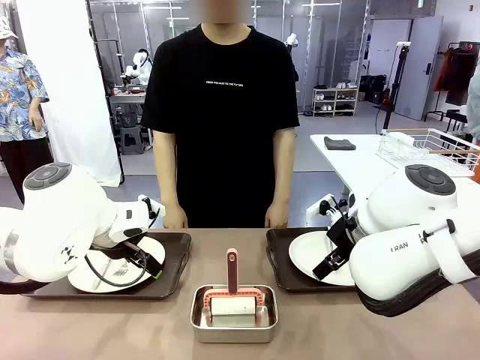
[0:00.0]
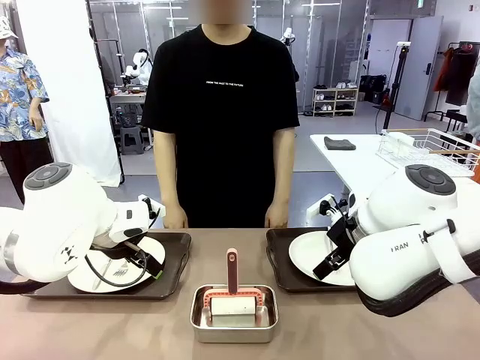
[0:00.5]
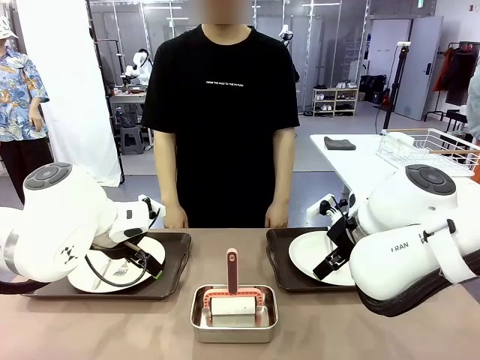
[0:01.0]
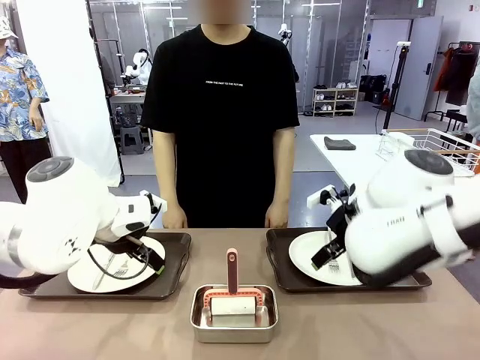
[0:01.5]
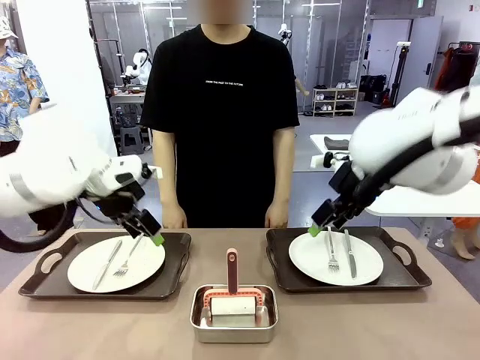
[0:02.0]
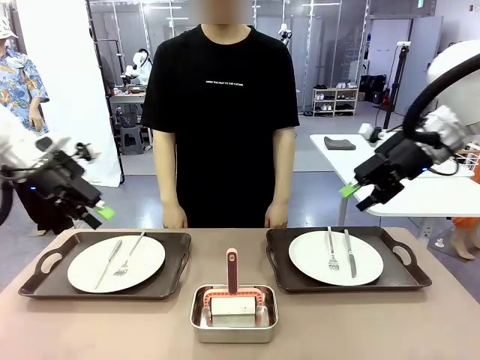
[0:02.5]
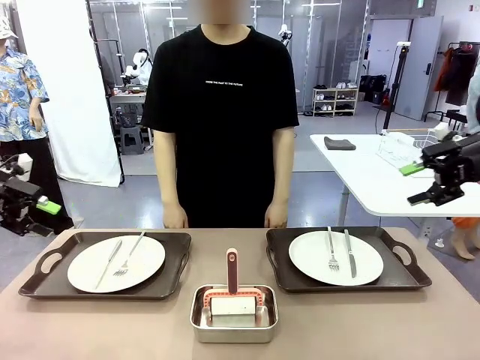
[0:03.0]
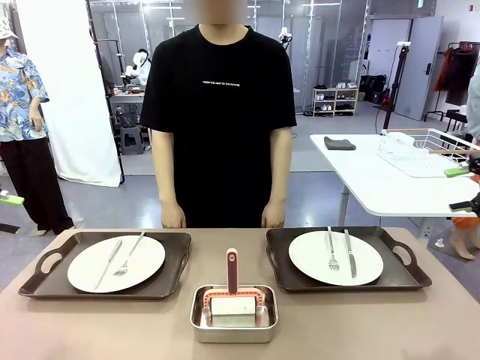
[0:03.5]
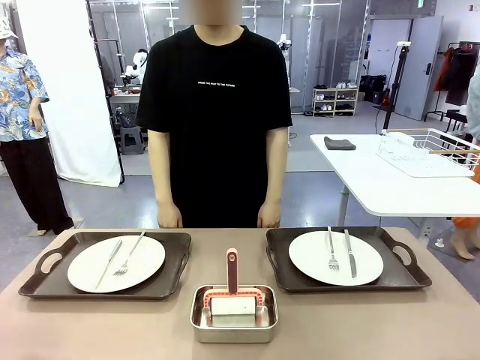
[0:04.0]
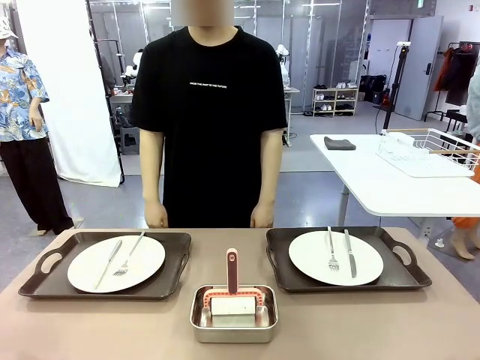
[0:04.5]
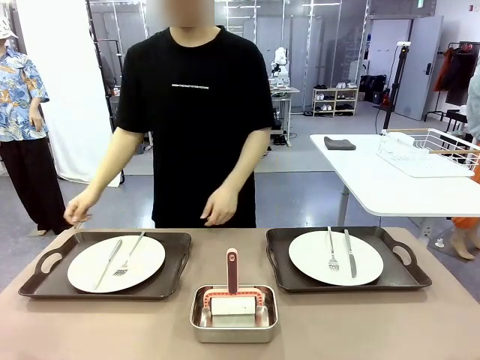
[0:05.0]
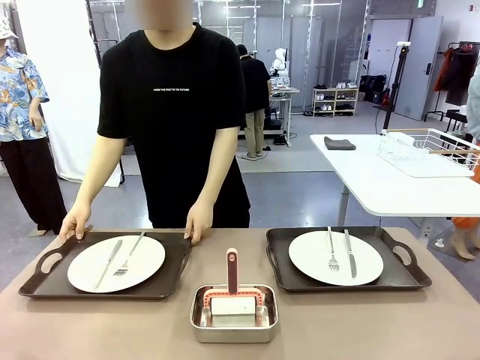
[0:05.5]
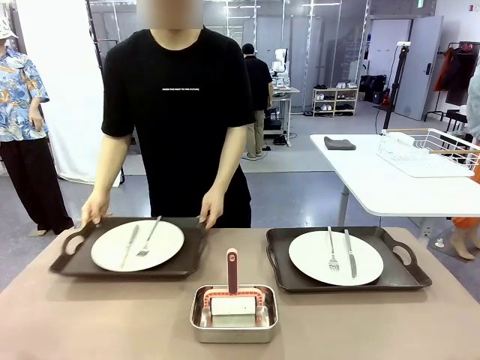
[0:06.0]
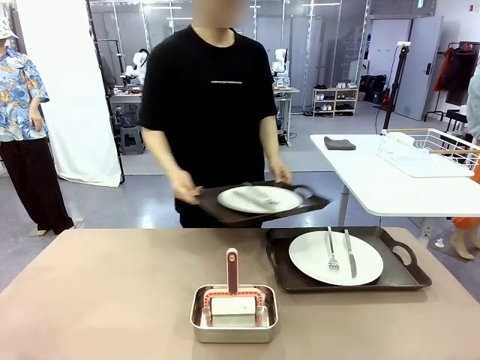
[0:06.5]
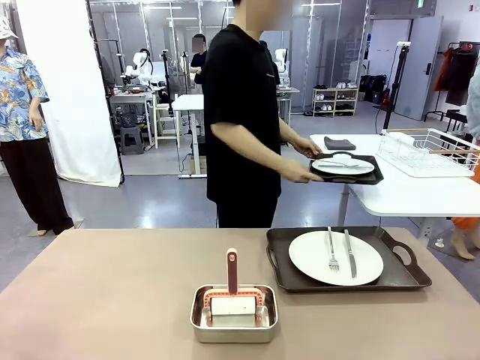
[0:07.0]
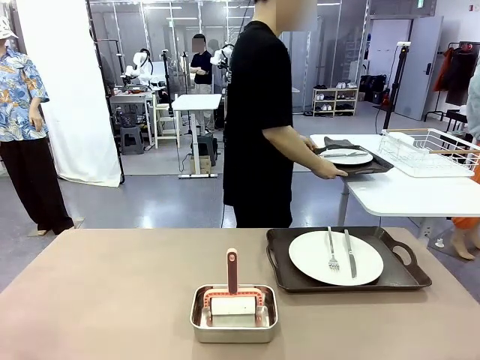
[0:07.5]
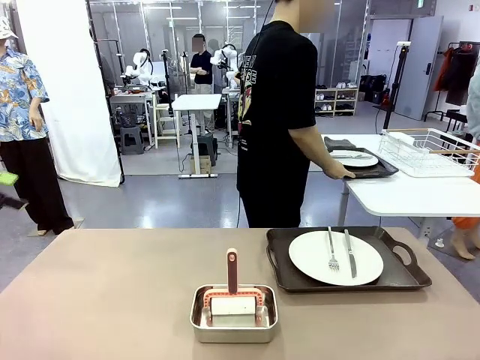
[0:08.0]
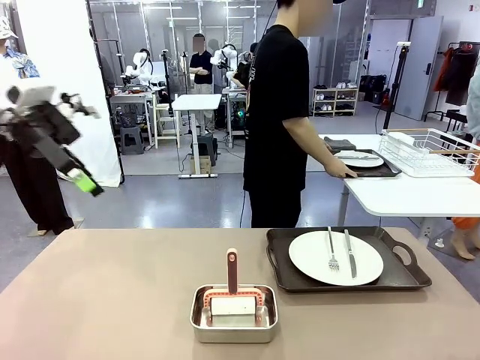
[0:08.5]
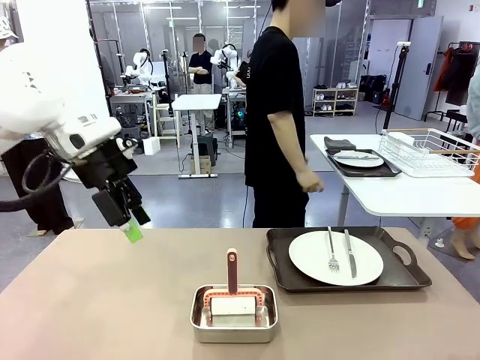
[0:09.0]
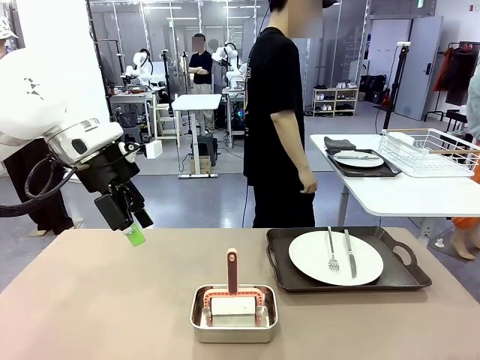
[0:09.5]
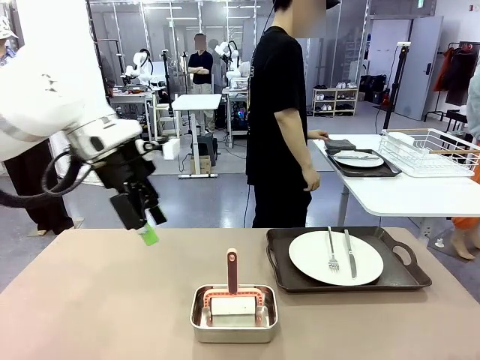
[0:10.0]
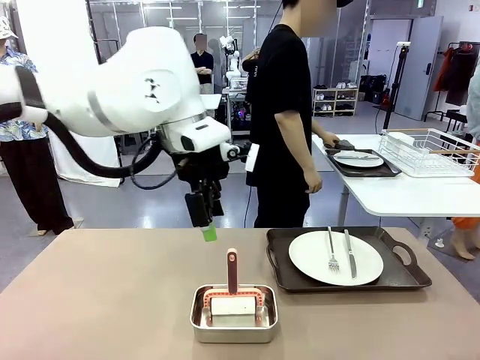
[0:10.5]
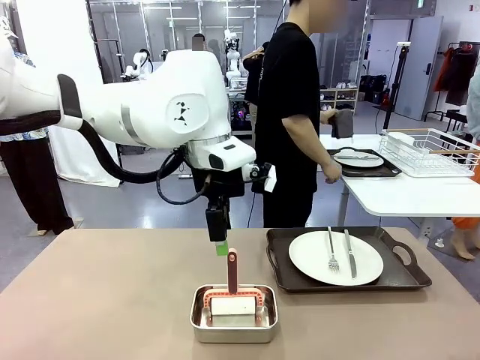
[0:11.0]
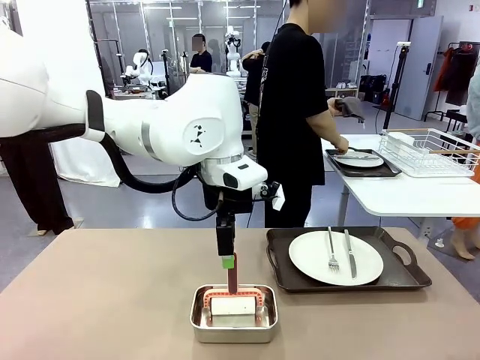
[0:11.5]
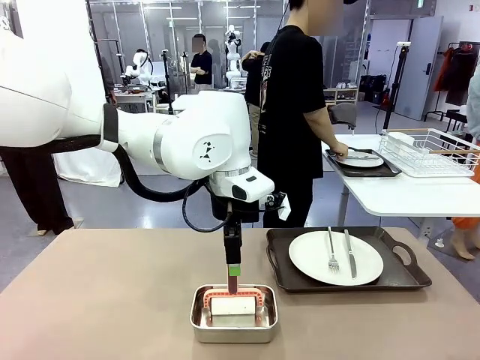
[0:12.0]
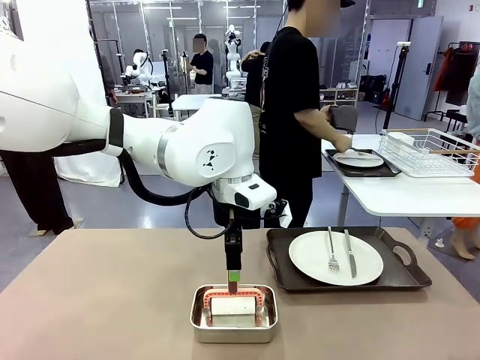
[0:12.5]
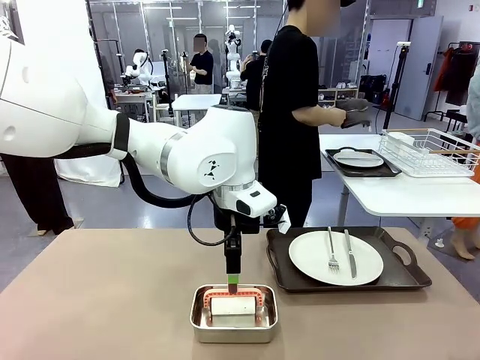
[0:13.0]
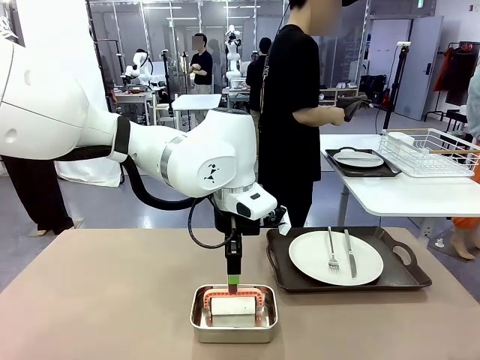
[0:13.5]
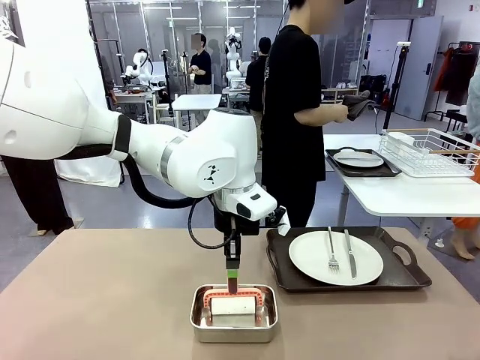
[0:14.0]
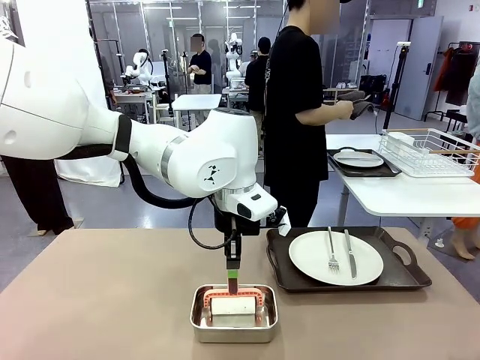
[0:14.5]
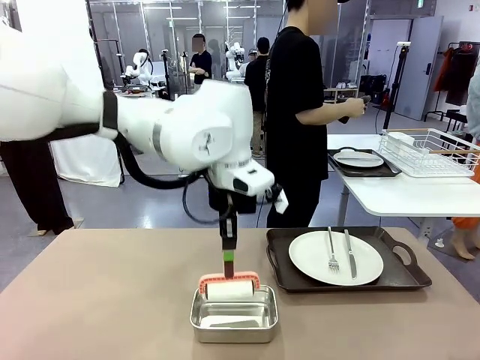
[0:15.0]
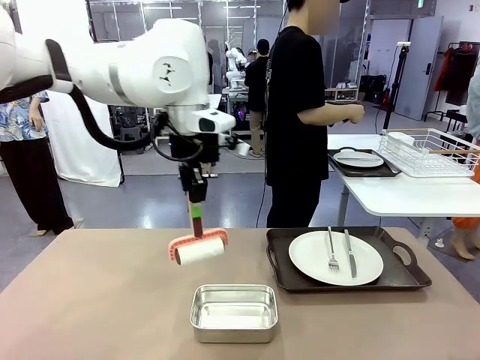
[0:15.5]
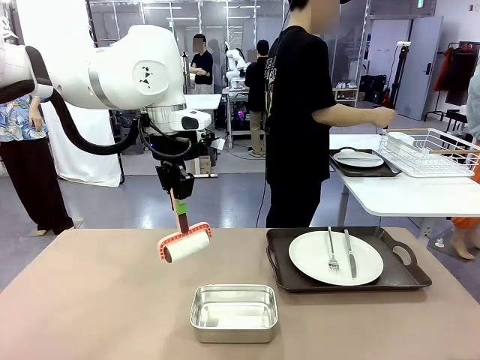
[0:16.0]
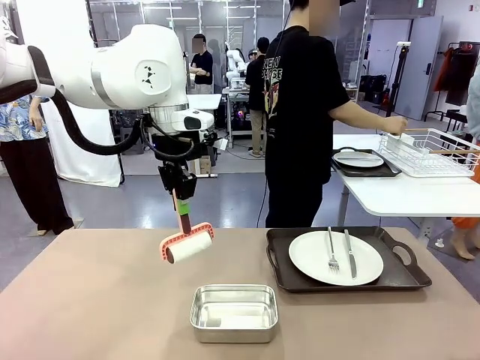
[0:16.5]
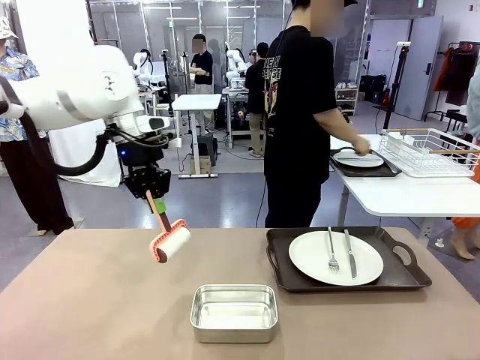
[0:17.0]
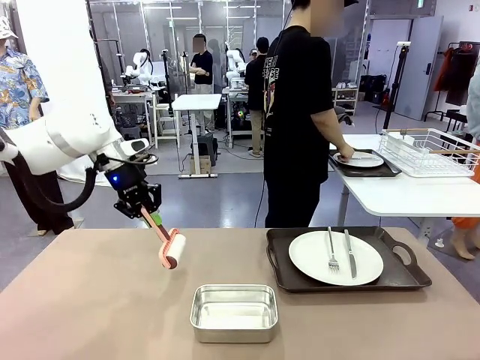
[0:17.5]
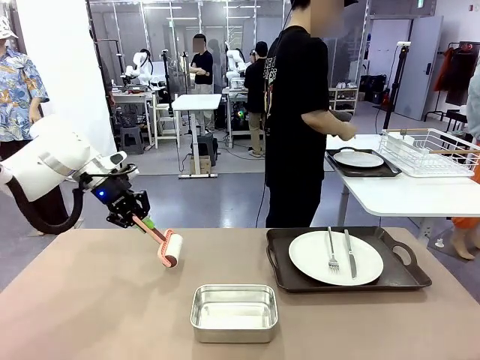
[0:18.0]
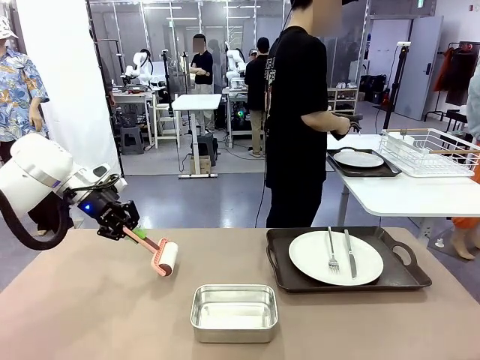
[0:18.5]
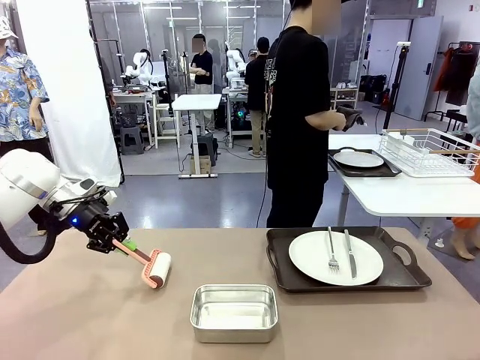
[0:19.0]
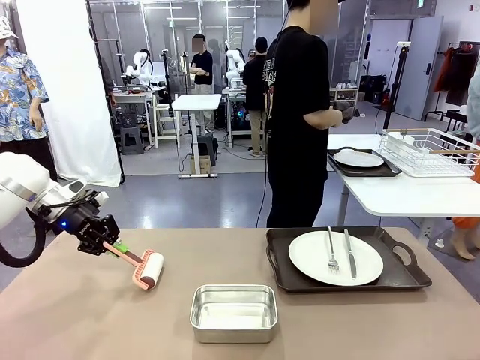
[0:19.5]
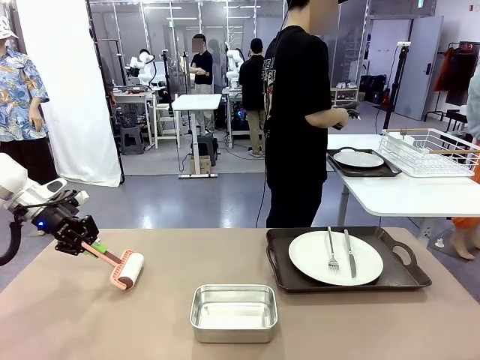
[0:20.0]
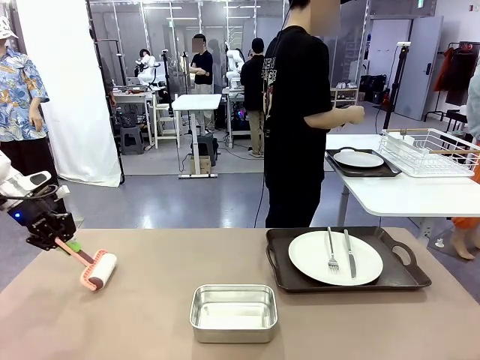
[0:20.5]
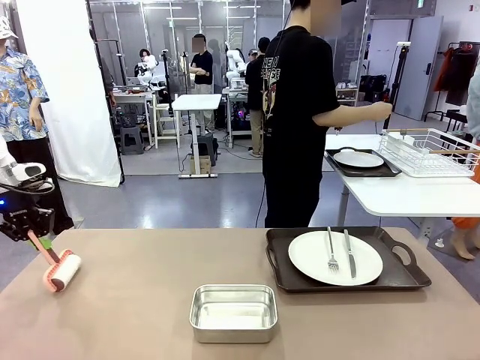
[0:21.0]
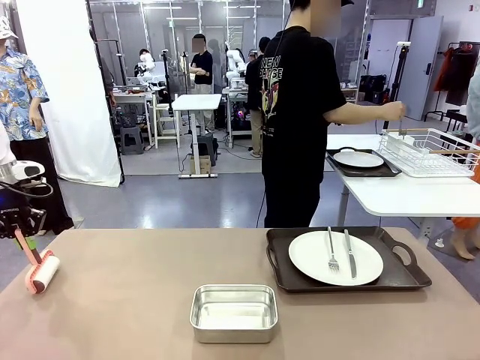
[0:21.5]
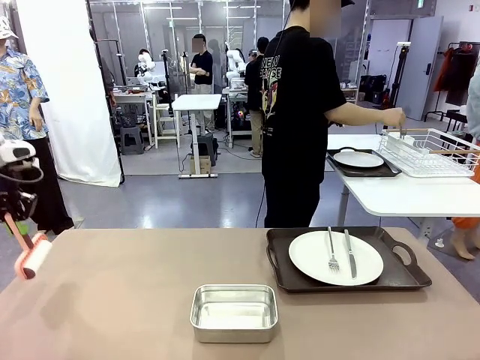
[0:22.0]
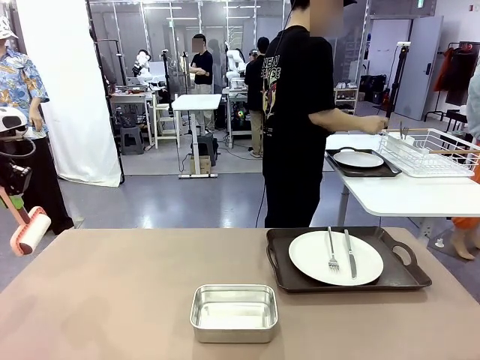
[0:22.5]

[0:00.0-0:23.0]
Robot: When the left (or right) Handle tray is removed, use the left hand (or right hand) to clean the left (or right) side of the table with the Lint Roller.
Person: Pick up the left (or right) Handle tray and place it on the middle of the Human's table. Use the Towel with hook to wipe the Plastic Matte Plate , Fork , and Knife and place into the Dish drying rack.
